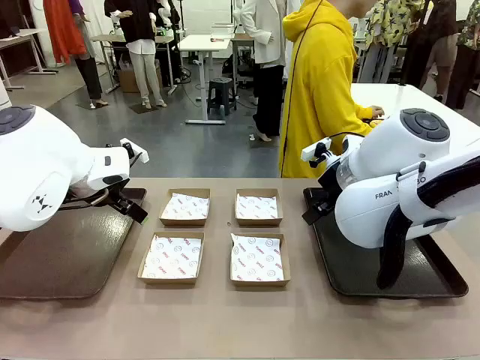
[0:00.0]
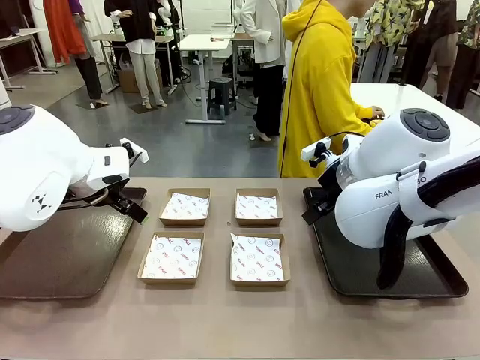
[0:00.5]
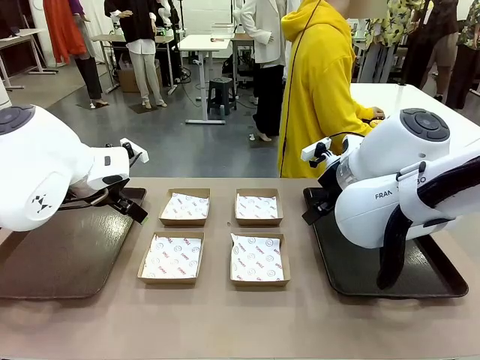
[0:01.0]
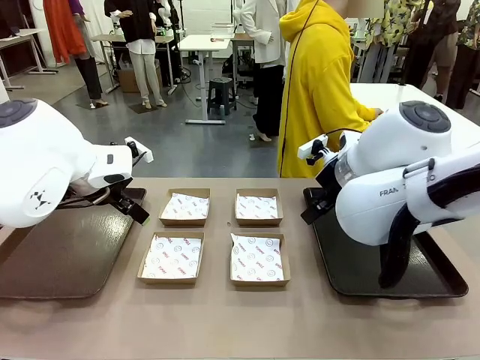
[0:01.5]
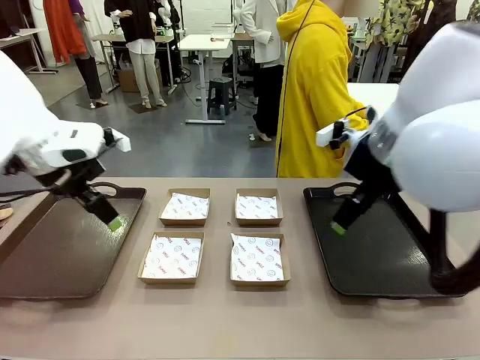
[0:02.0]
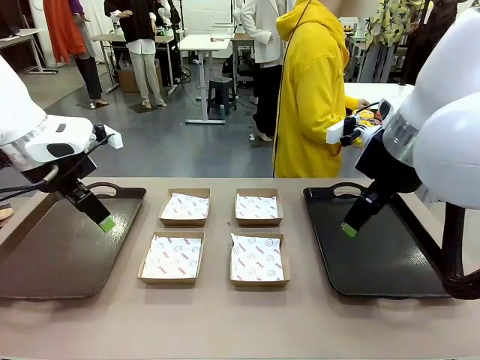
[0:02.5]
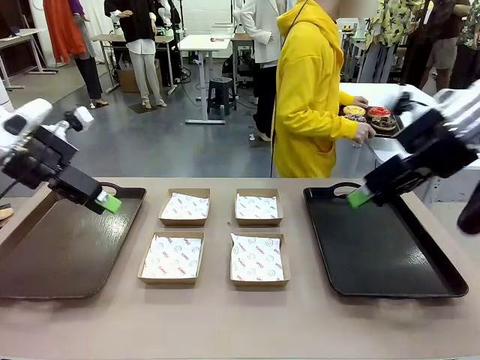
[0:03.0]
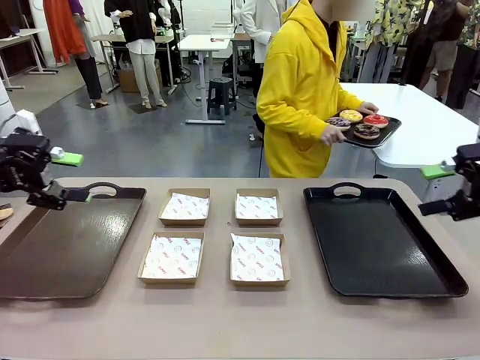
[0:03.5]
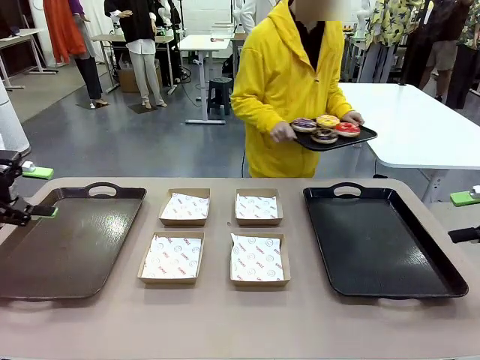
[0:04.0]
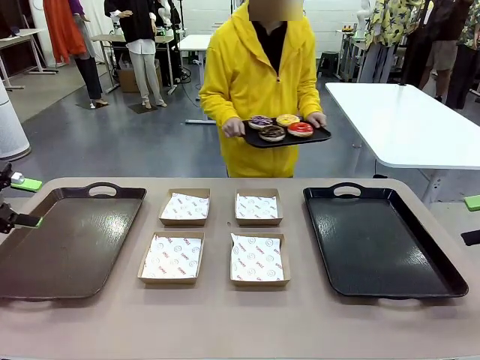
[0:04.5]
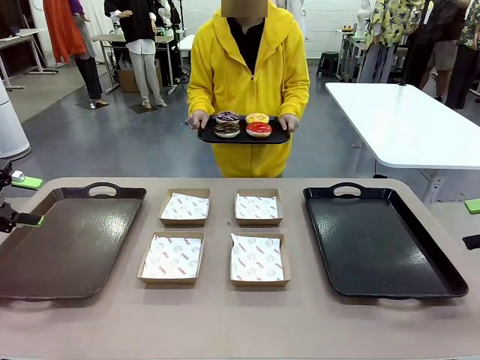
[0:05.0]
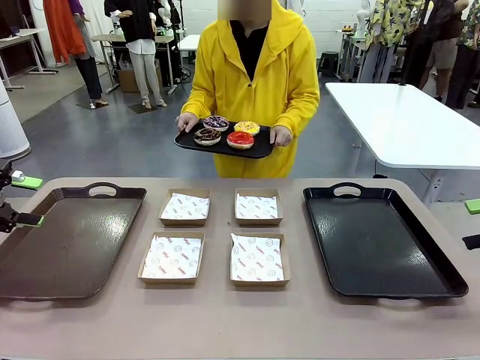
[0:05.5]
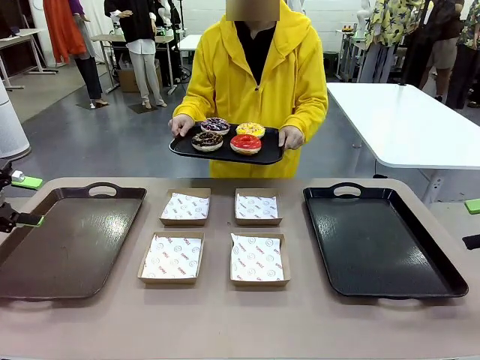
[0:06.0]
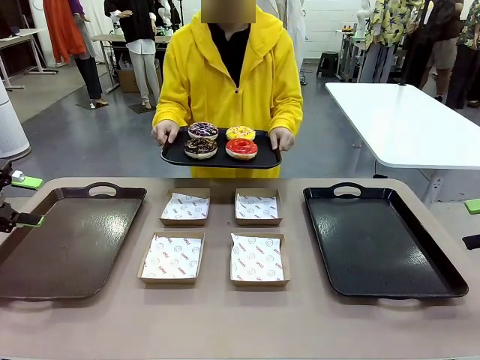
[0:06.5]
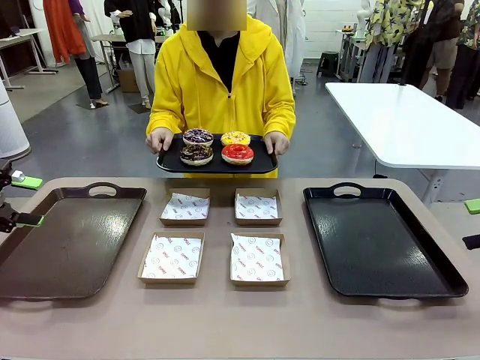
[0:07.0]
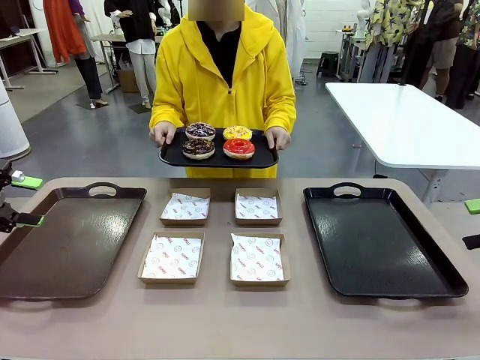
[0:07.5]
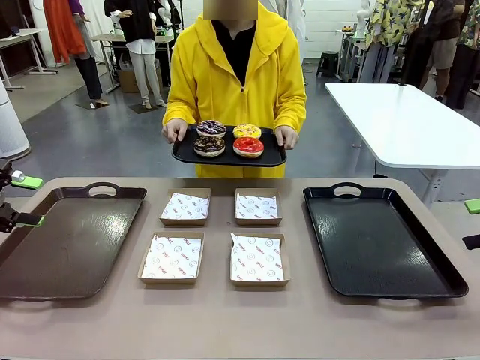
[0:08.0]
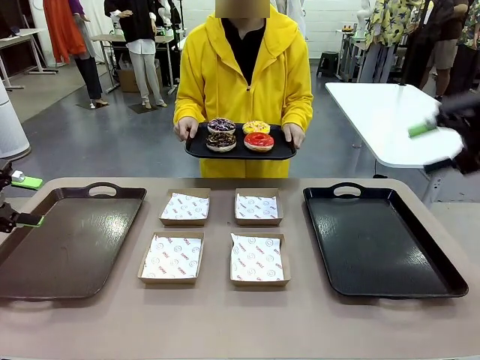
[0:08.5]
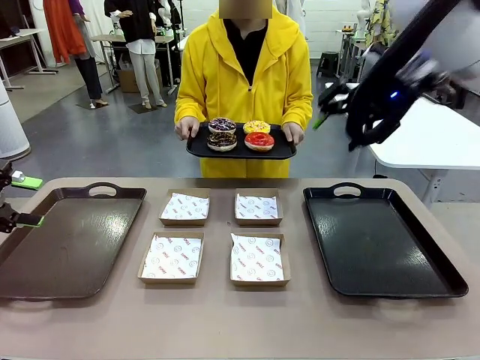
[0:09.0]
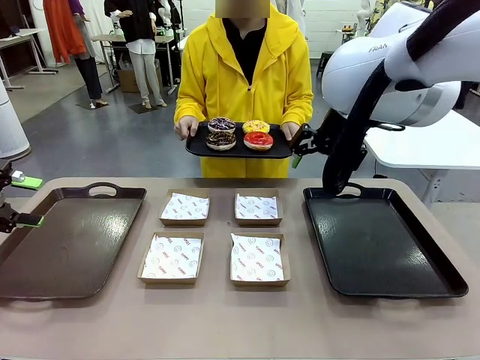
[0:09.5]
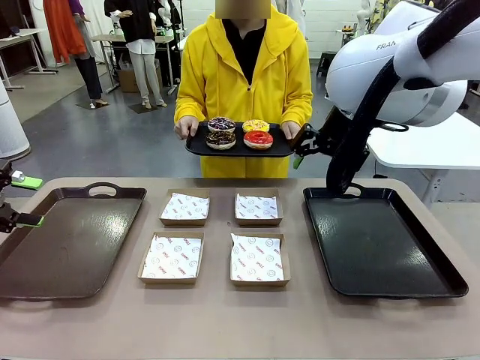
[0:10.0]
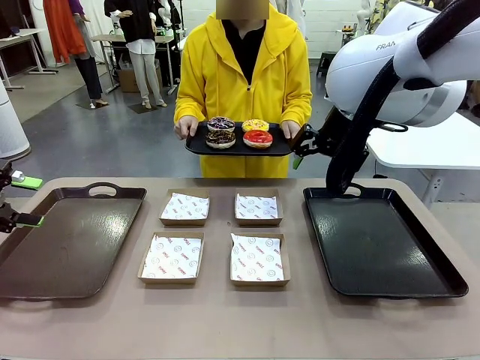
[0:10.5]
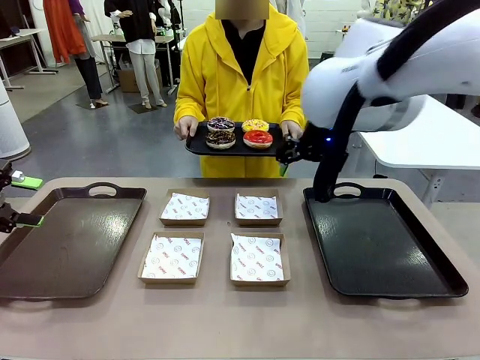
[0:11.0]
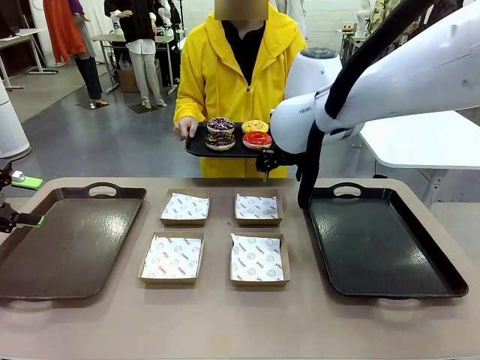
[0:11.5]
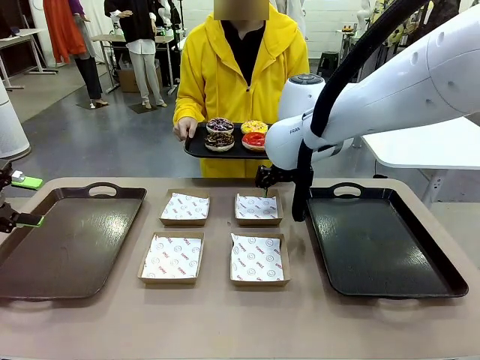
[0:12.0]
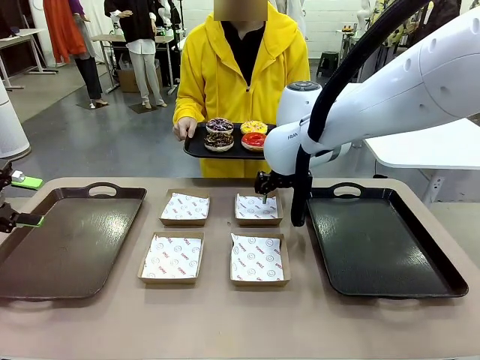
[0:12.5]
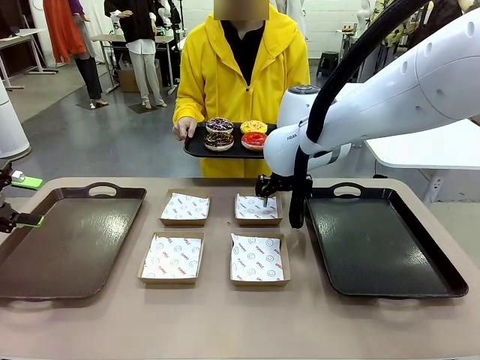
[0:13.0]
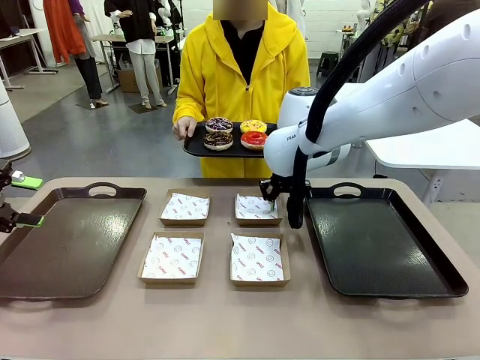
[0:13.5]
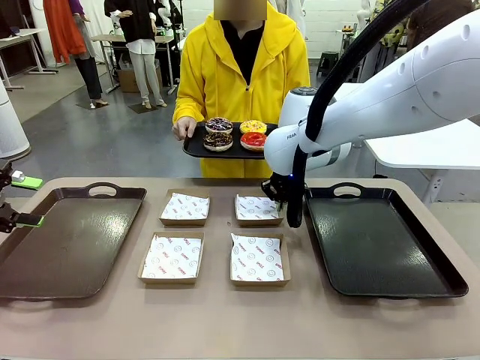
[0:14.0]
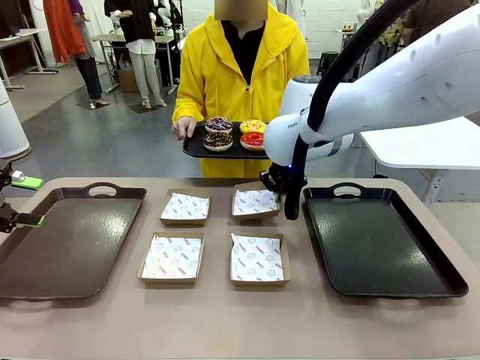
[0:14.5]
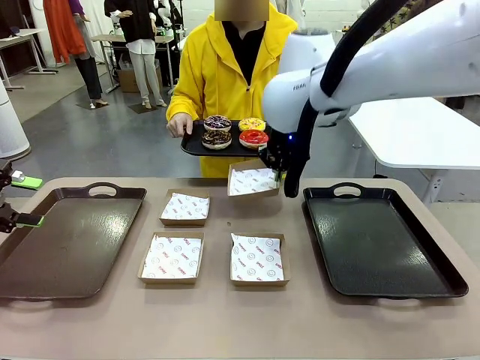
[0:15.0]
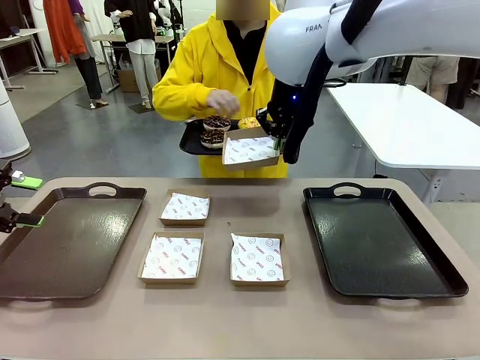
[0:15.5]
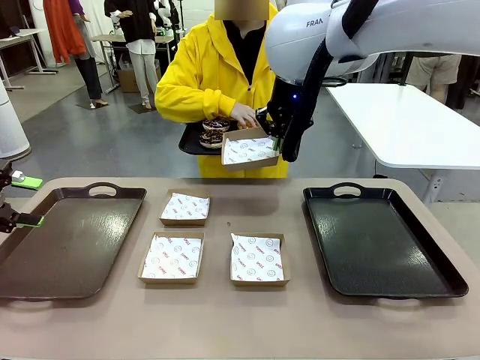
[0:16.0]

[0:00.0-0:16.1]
Task: Individually package the donuts and arrange them on the tray.
Robot: Pick up one Paper togo box.
Person: Stand in front of the robot table holding the tray containing the donuts.
